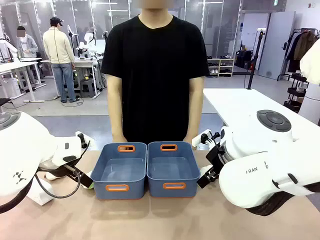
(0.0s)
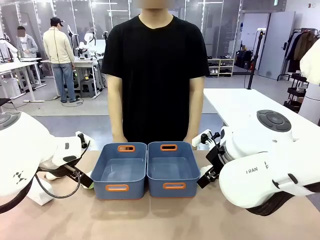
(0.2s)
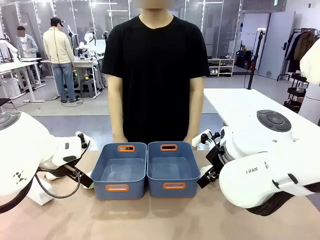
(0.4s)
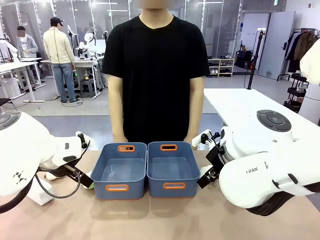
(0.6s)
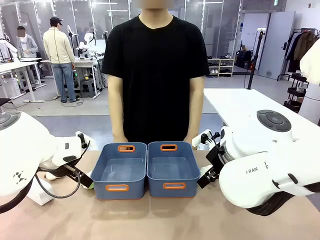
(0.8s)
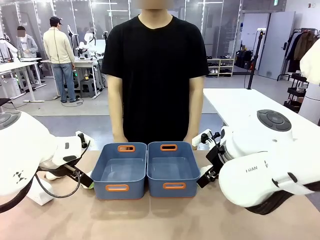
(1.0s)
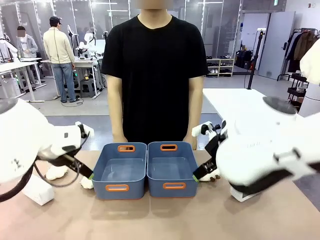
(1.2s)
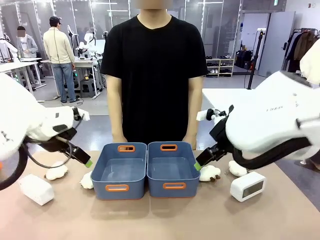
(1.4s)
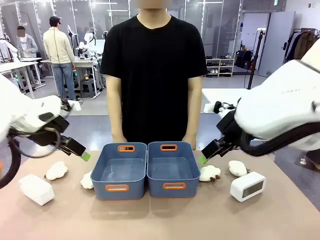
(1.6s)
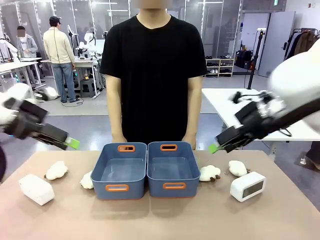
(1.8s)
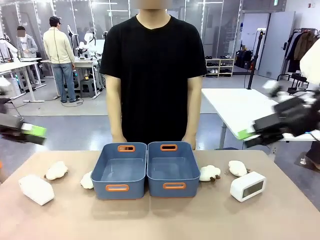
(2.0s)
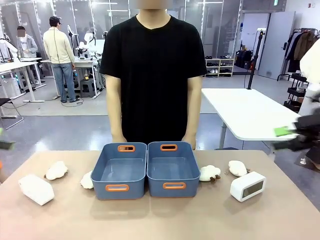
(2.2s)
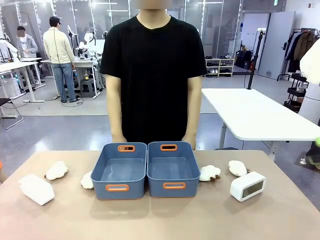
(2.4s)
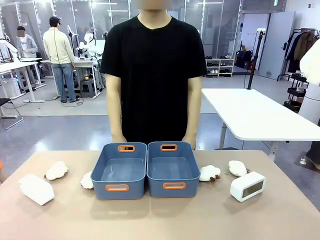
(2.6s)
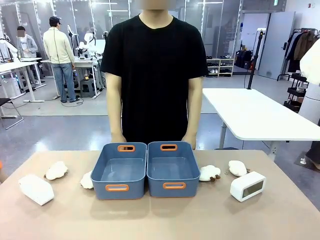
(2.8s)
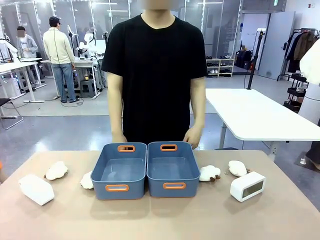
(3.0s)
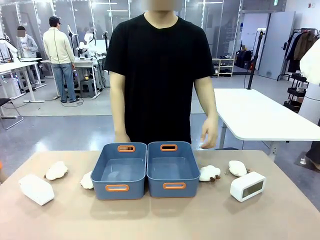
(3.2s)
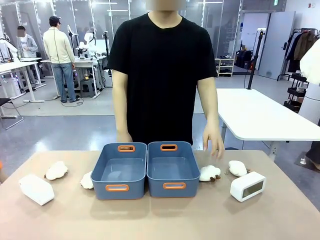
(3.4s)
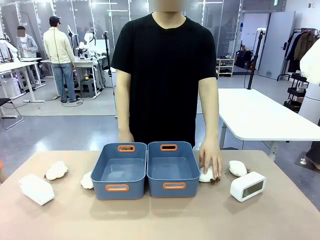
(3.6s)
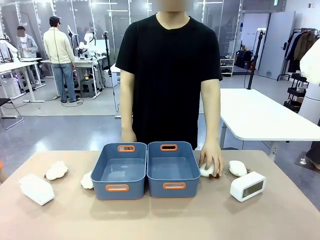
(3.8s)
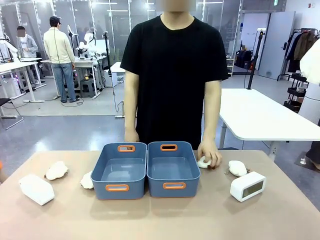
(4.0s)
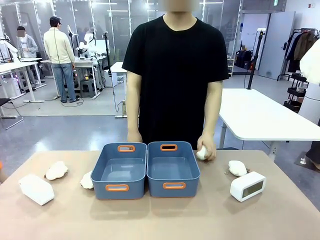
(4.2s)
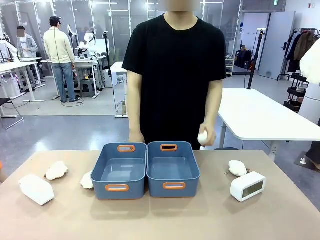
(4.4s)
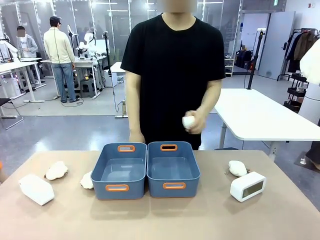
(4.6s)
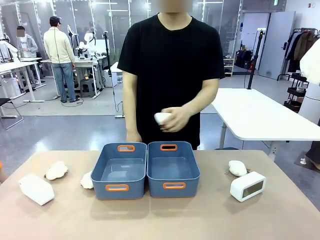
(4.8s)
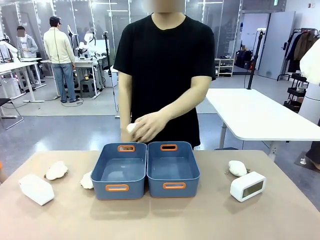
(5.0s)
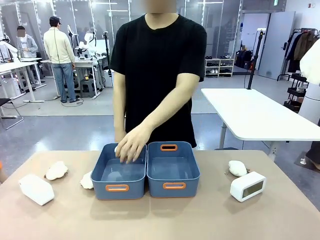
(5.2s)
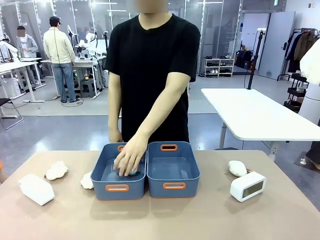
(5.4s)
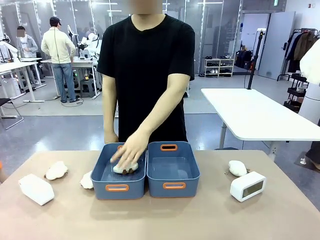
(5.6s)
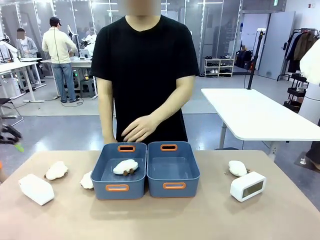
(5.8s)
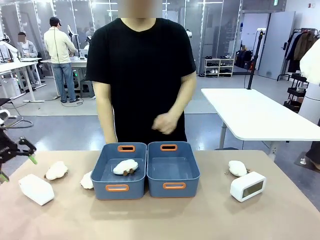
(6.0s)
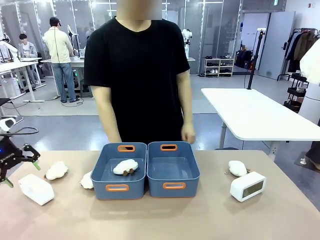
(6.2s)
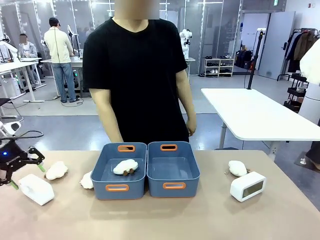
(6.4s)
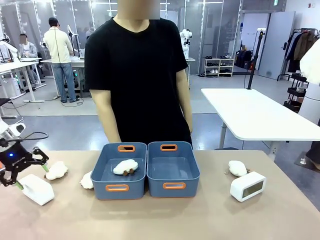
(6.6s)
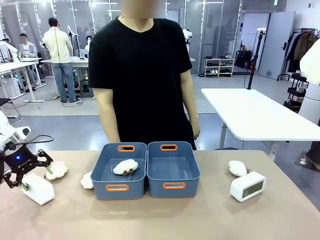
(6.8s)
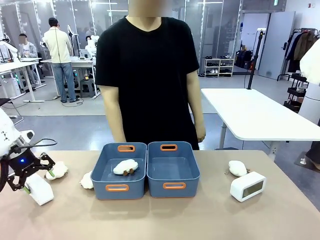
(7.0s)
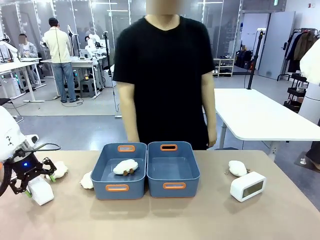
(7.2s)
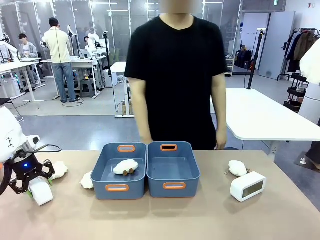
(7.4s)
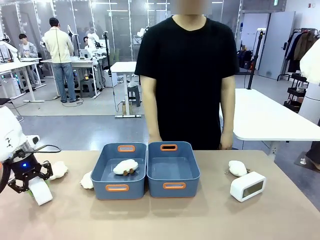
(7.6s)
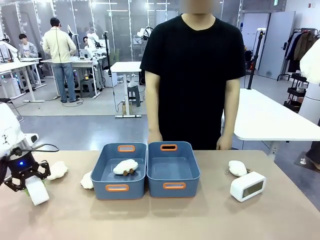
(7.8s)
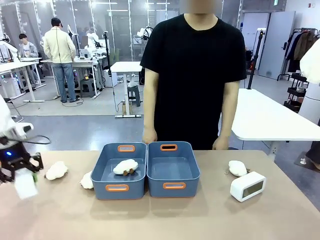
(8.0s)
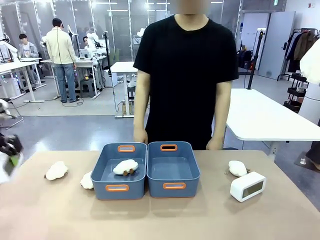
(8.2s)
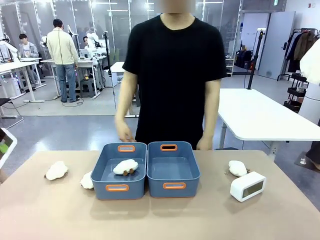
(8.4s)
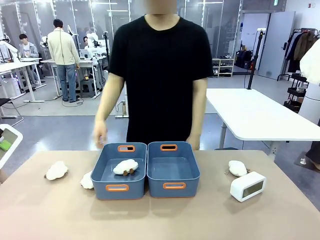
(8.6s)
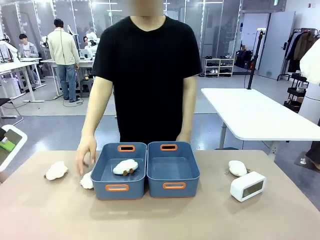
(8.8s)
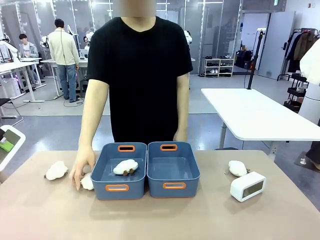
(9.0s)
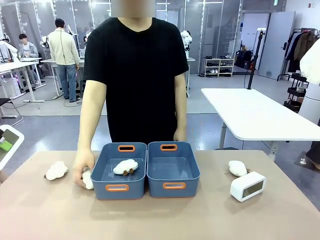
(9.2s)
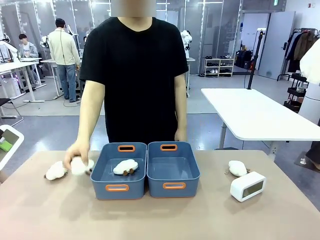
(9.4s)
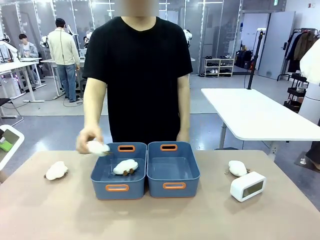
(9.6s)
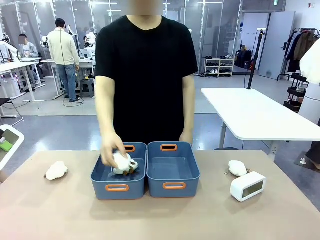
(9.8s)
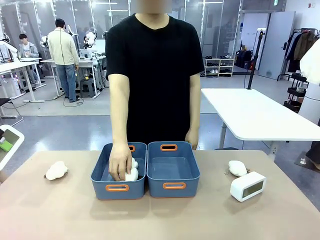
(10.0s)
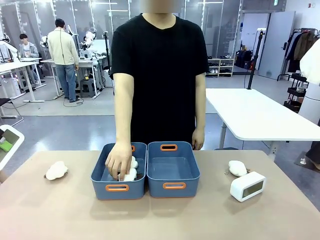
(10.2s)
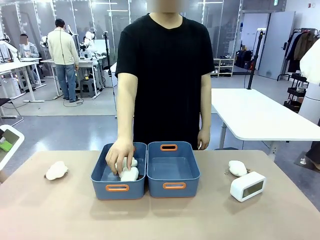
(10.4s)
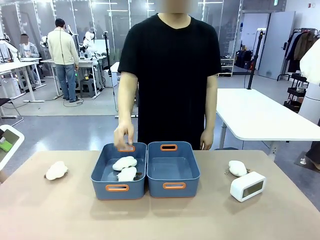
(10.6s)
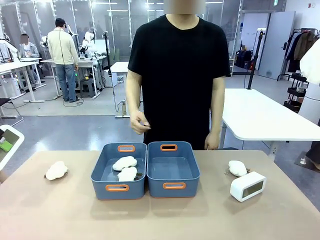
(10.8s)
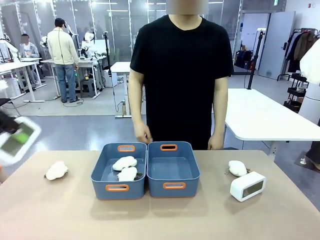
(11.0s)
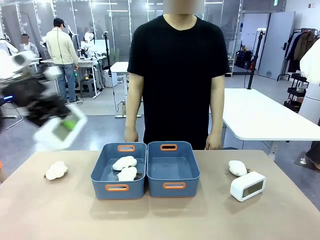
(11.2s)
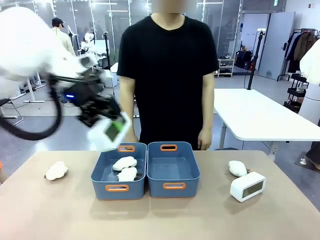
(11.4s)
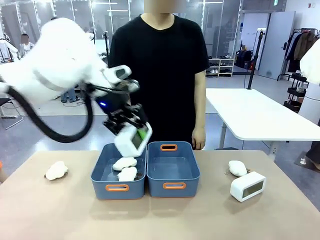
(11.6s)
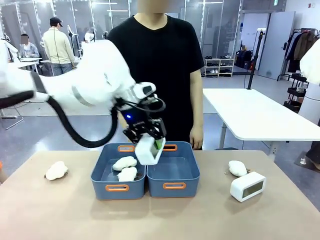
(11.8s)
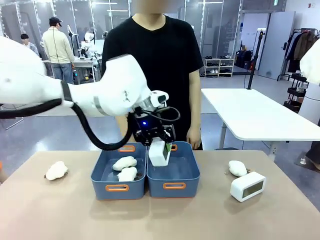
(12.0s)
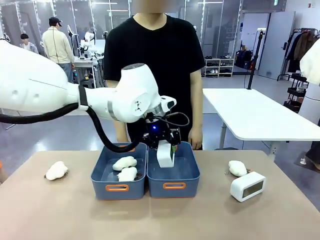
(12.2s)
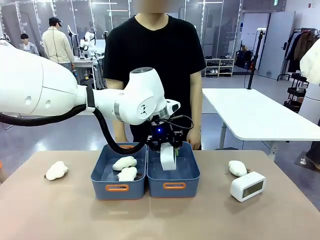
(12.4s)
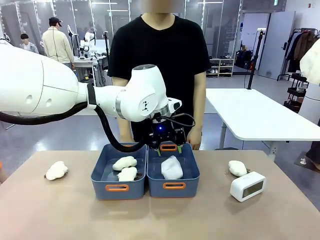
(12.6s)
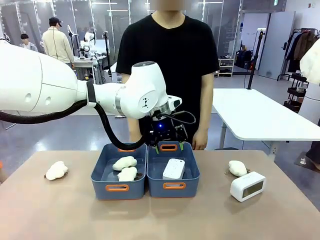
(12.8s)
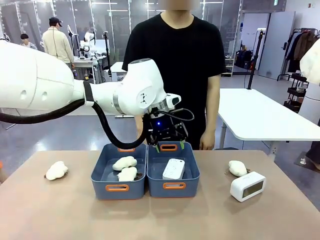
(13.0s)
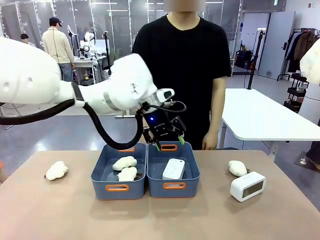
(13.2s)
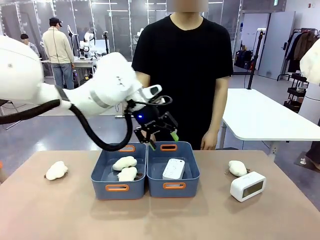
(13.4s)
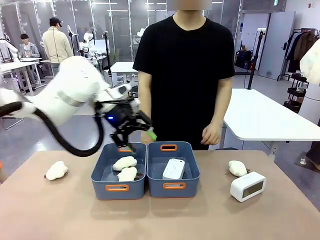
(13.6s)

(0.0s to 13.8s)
Task: Sort the digital clocks into the basket.
Robot: Pick up the Digital clock from the table and place it into the empty Plastic storage basket.
Person: Pick up a plush toy from the table and place it in a plastic storage basket.
